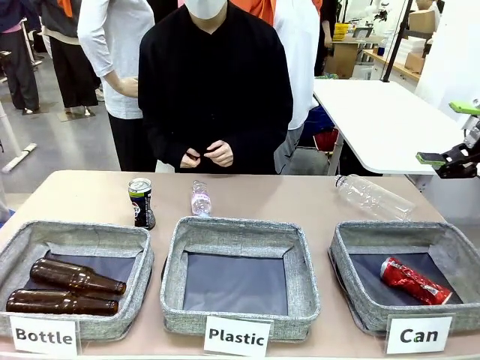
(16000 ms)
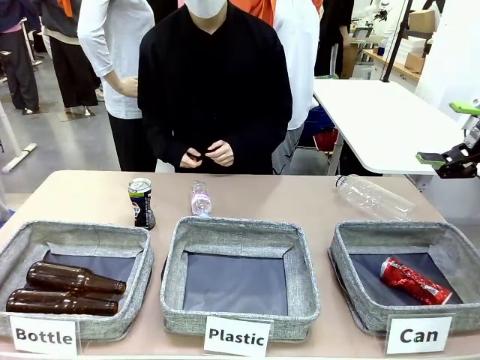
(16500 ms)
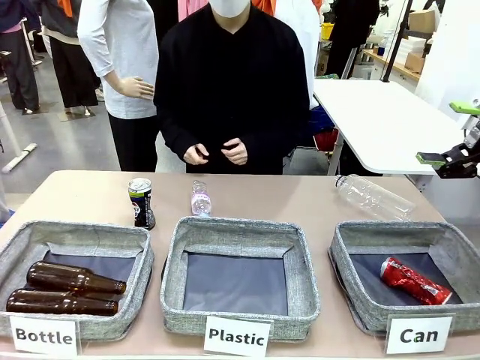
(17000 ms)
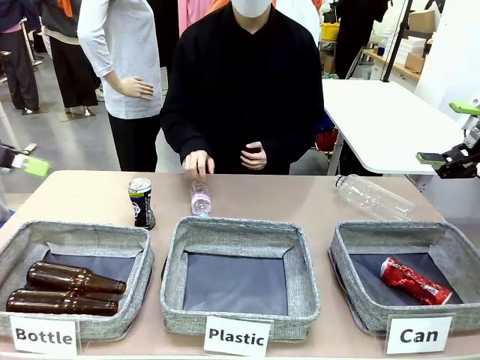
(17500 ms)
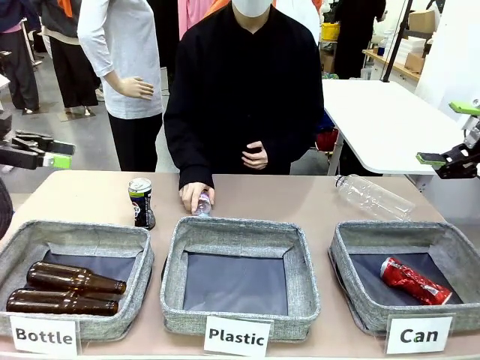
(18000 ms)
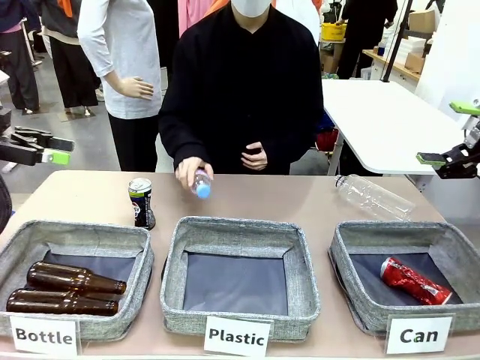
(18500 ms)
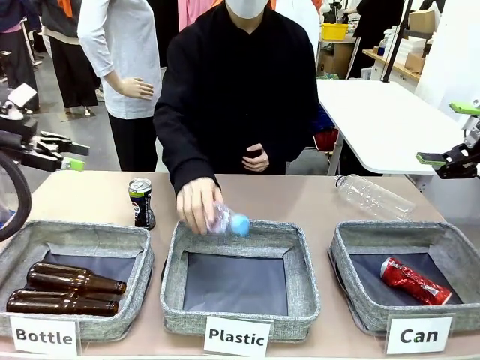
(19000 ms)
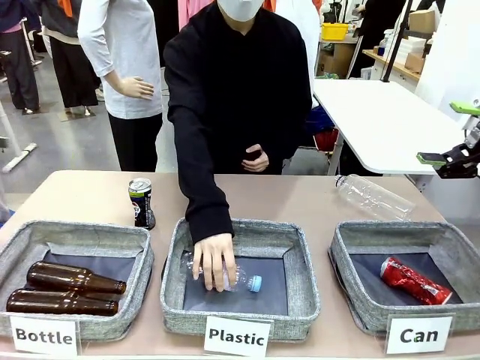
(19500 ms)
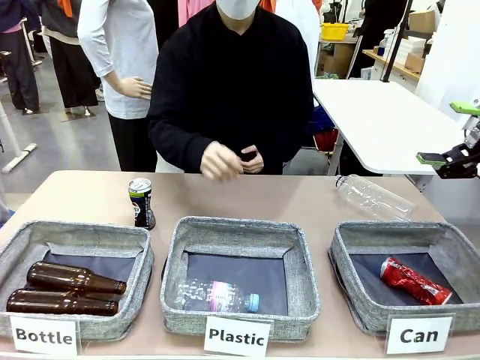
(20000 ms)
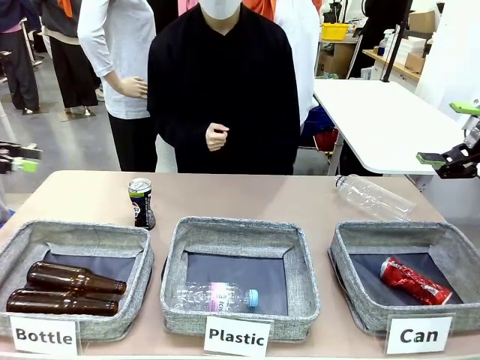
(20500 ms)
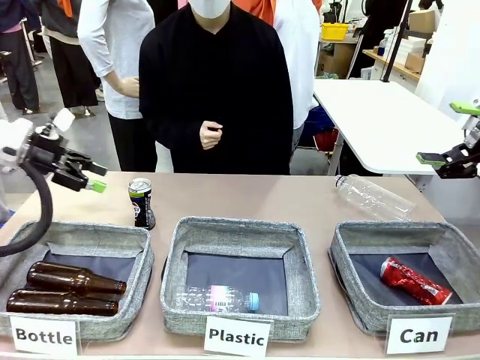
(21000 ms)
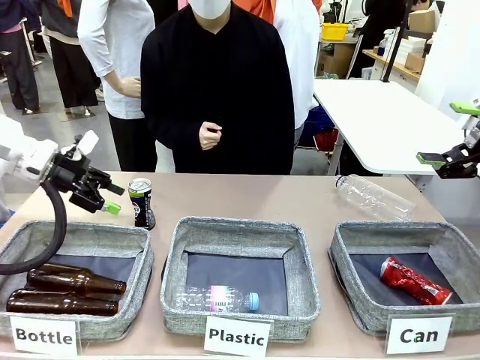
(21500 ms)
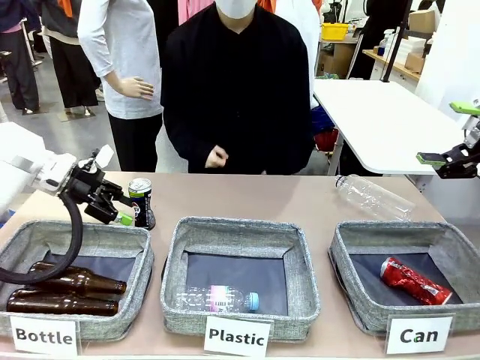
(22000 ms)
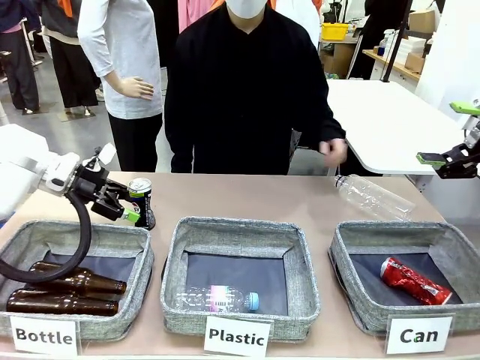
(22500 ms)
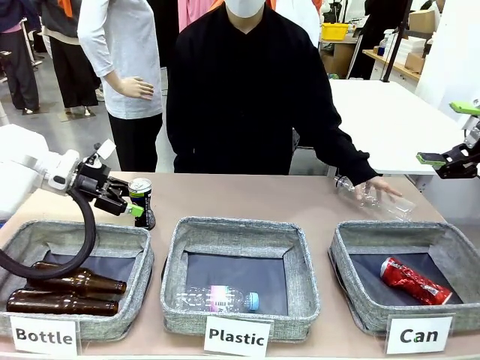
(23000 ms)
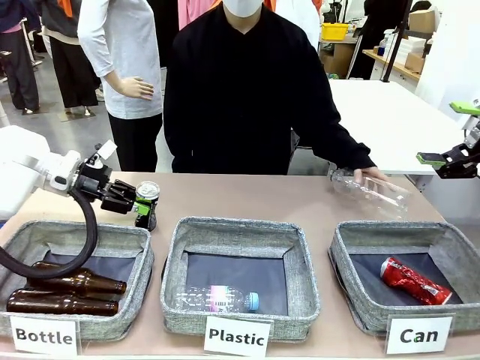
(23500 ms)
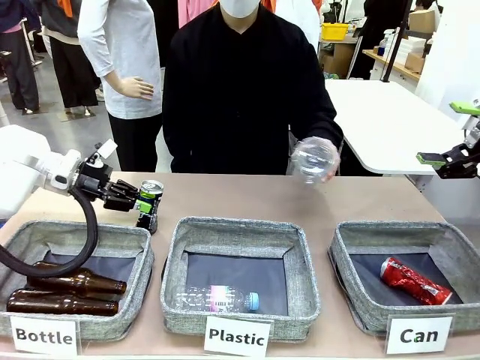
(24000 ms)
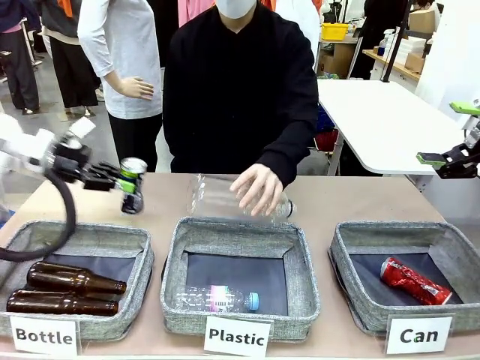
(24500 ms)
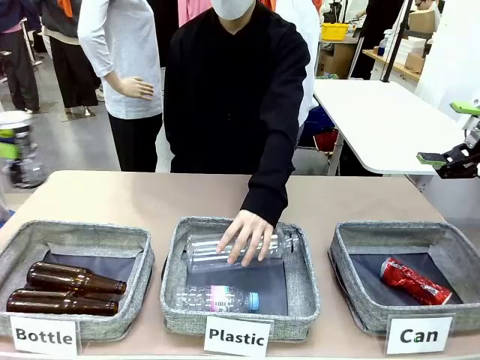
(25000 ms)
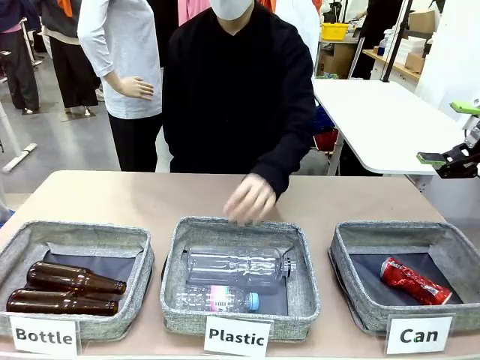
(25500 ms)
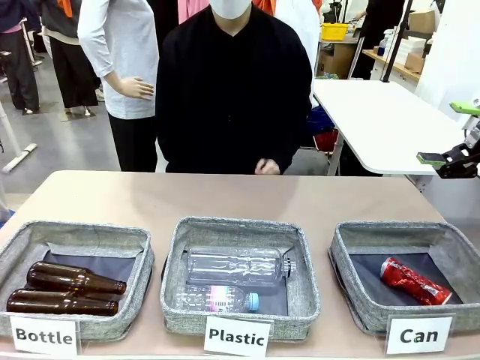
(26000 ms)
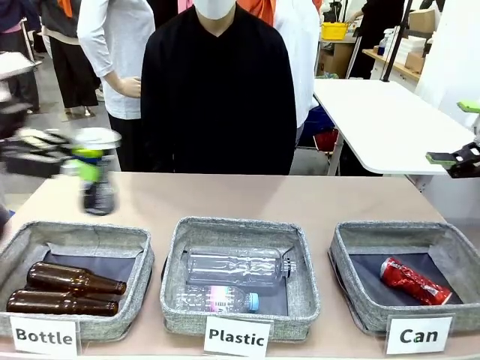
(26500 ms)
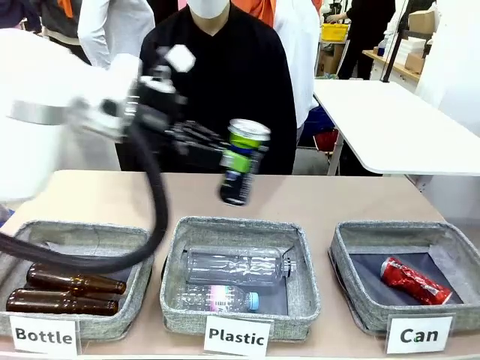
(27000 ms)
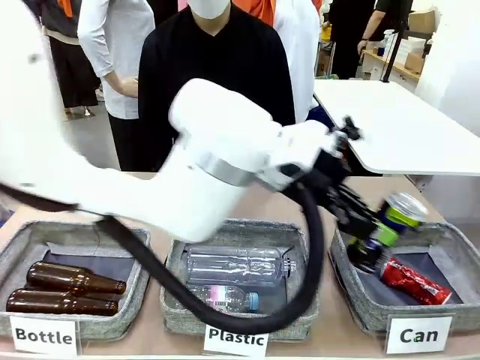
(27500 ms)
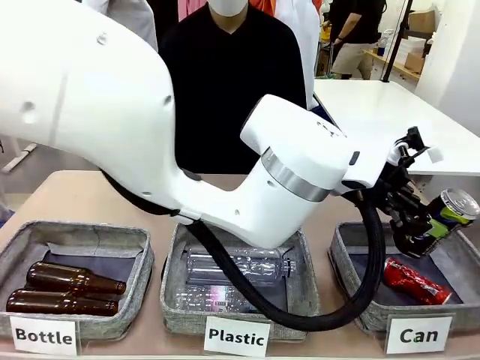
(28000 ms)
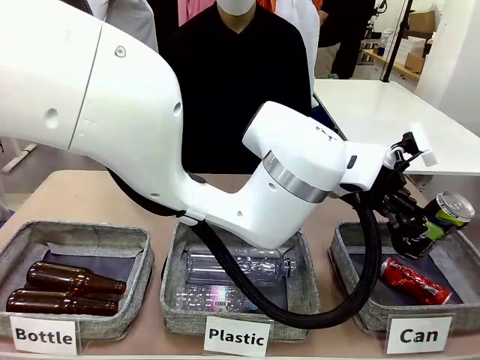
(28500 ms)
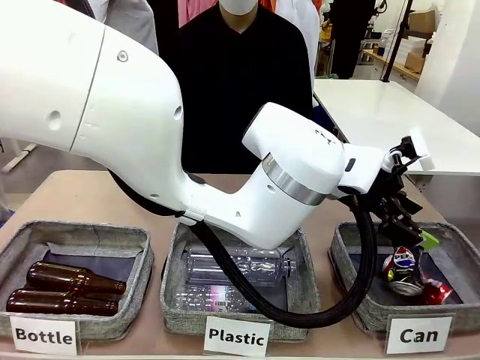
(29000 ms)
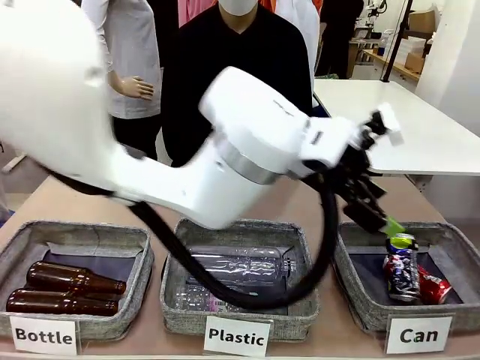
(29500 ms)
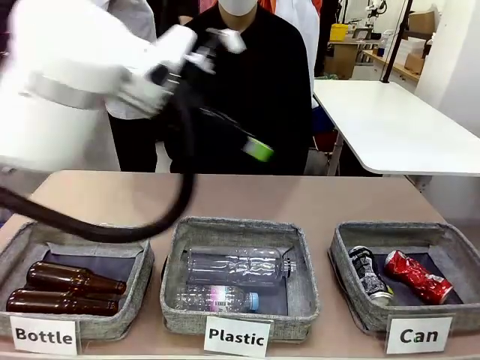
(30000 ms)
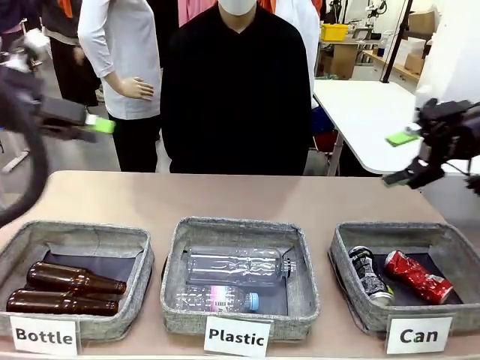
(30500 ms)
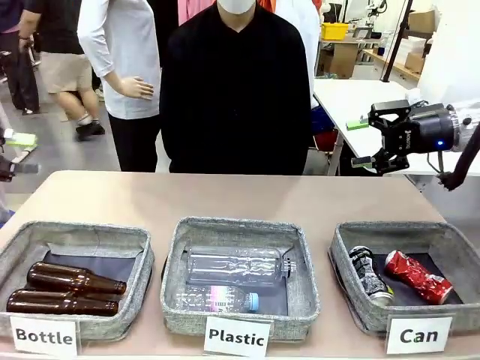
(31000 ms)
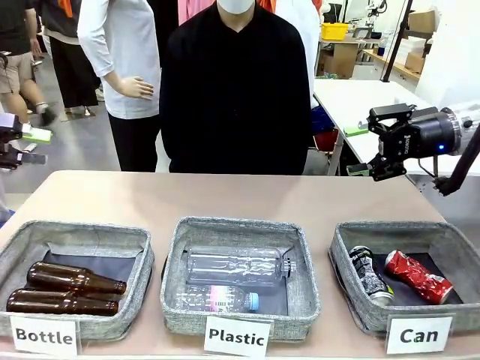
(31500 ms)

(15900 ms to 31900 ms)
Task: Sort the can waste into the basket.
Robot: Pick up the can waste from the table and place it in the right Fabric basket.
Person: The human picks up one piece of trash that is not a can and places the trash into the appropriate organizing basket.
